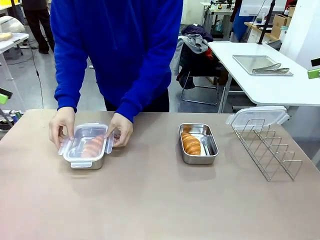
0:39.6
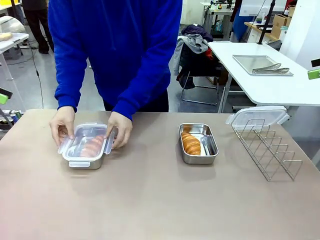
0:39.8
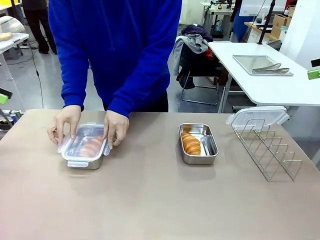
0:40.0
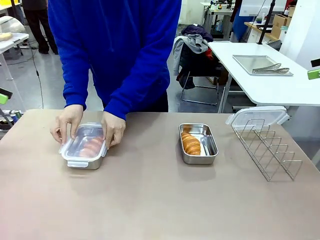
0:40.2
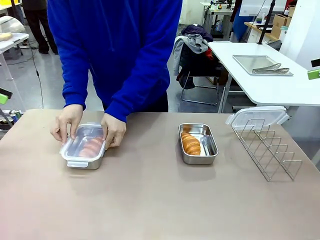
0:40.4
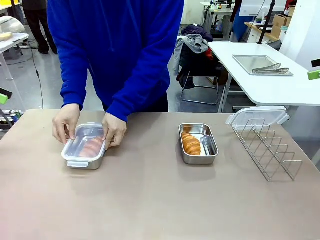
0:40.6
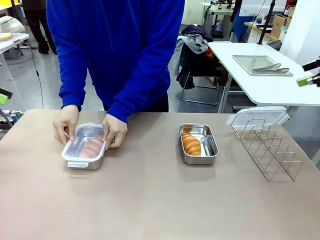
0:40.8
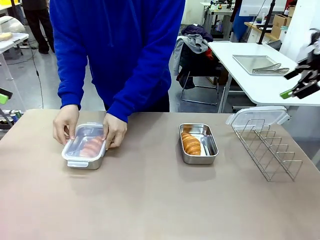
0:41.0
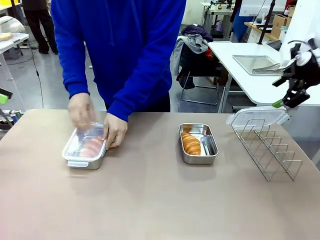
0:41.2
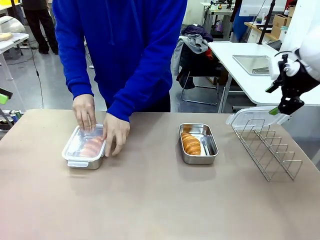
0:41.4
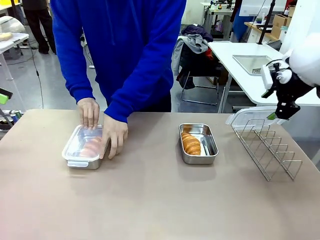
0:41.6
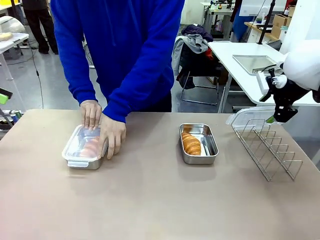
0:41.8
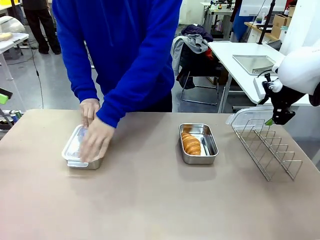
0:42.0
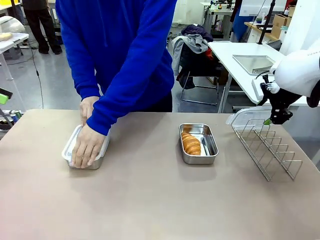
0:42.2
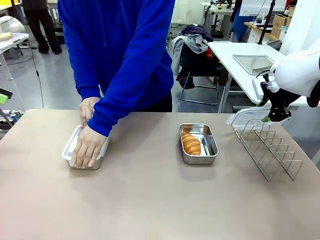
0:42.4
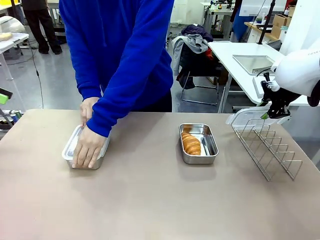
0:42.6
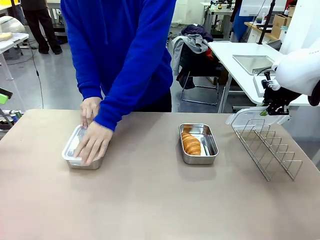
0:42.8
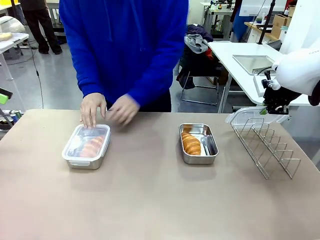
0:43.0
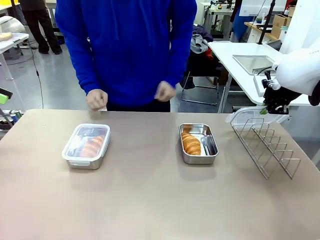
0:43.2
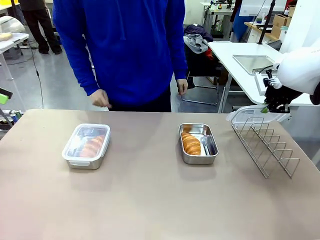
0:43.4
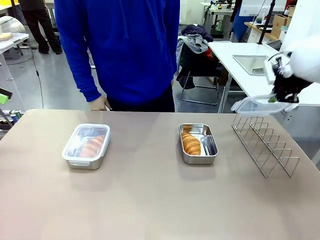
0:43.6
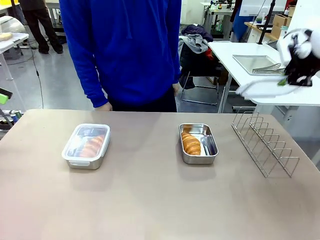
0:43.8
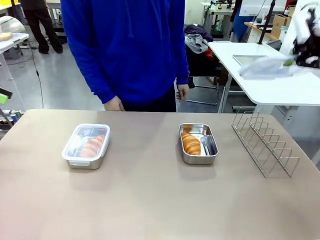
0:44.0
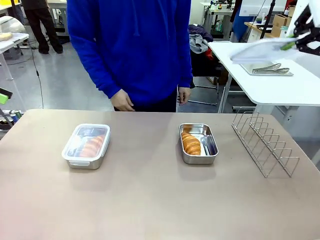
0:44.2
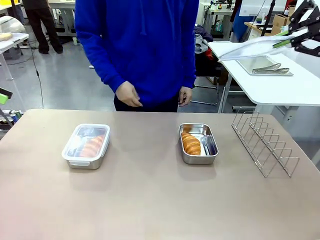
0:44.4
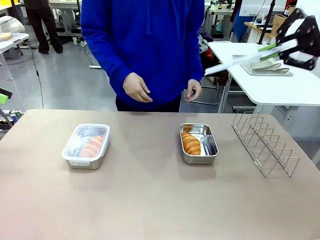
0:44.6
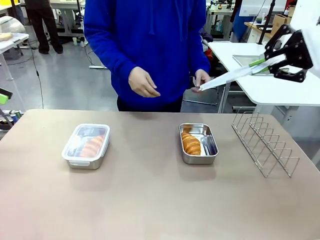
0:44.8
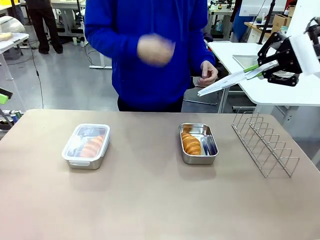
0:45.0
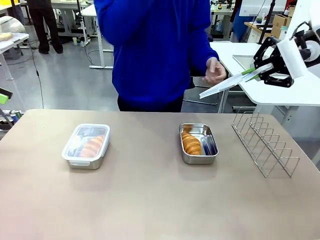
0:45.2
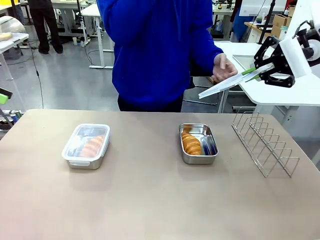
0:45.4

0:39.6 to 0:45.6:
Task: Place the bread in airtight containers.
Robot: Pick up one Airtight Container lid and hand it to the human.
Person: Close Airtight Container with a handed Airtight Container lid. Grip Airtight Container lid that robot is handing.

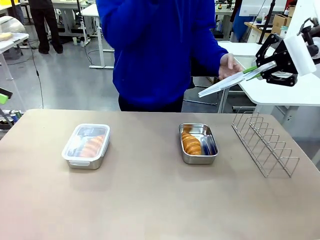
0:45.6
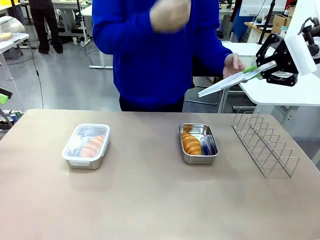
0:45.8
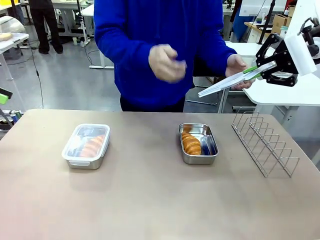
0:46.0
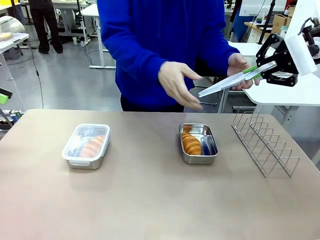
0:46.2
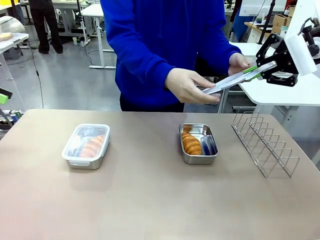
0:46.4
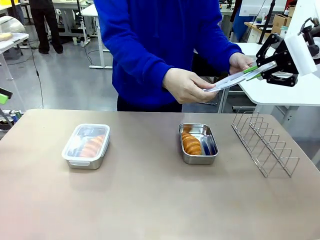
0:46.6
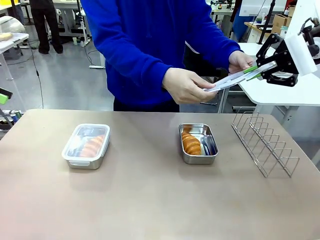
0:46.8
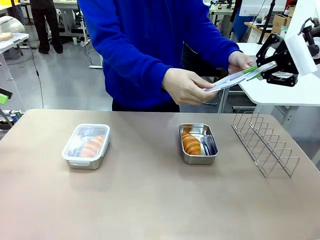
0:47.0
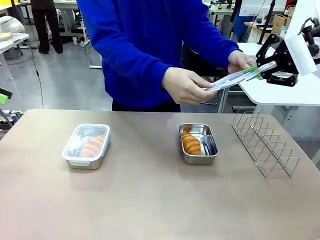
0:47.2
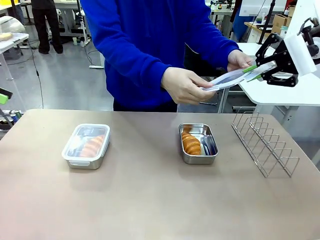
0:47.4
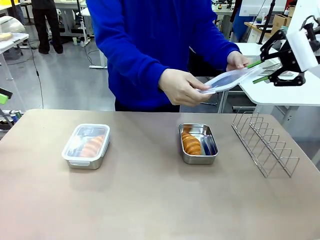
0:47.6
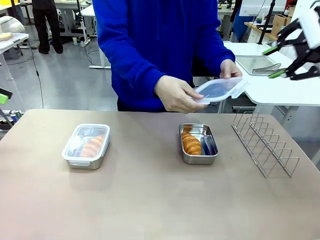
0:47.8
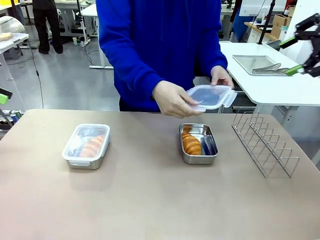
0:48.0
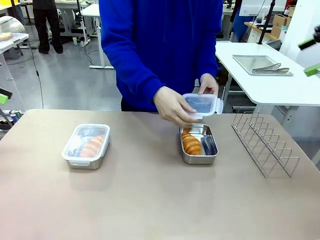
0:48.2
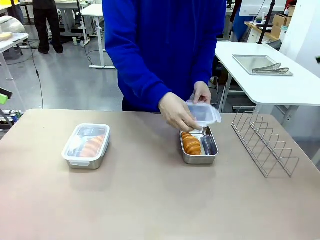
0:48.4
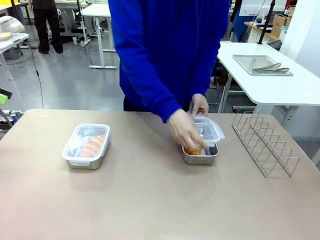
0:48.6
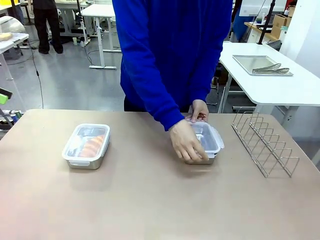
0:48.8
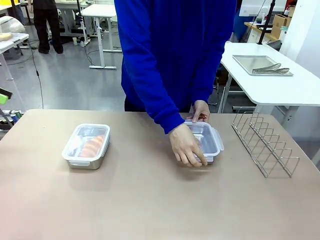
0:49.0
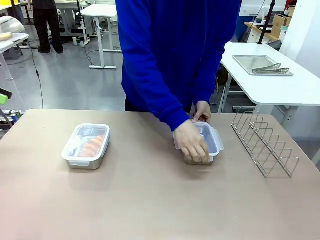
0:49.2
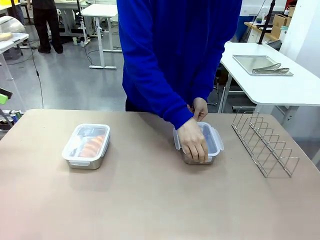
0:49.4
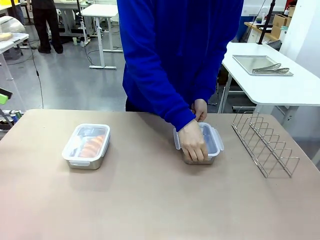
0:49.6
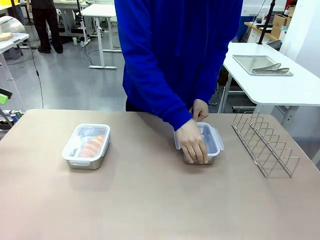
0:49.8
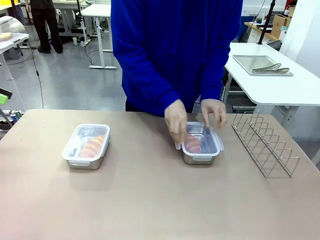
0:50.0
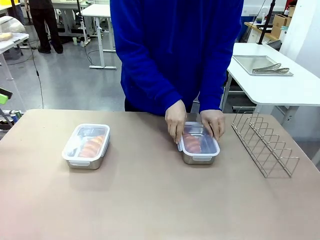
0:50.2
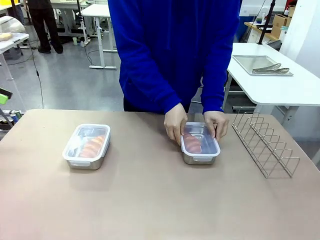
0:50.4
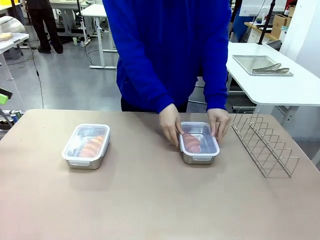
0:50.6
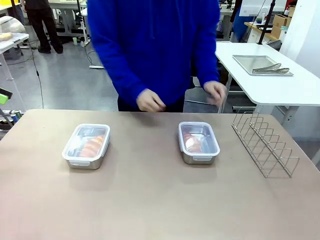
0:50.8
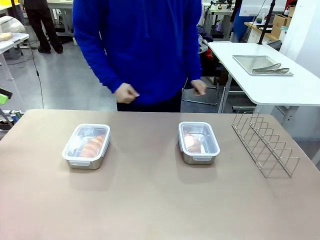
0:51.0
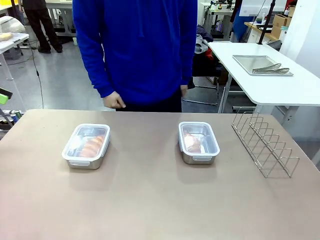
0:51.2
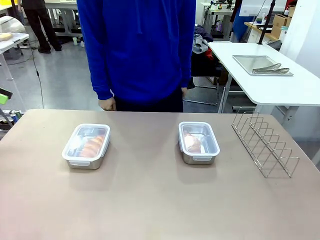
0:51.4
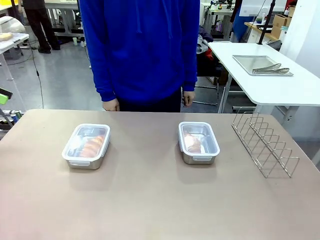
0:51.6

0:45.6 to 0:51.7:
Robot: Release when the human grabs the Airtight Container lid.
Person: Close Airtight Container with a handed Airtight Container lid.

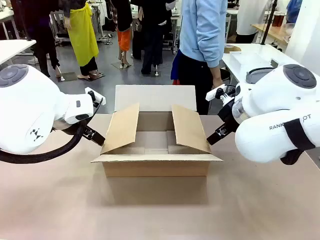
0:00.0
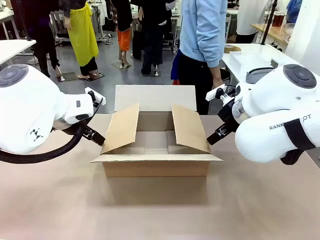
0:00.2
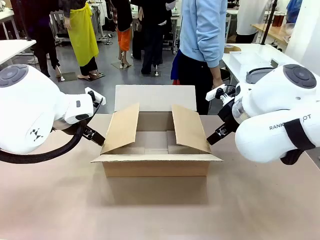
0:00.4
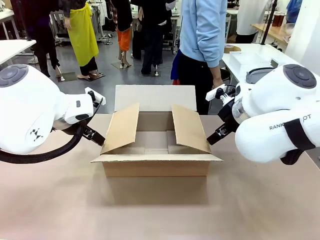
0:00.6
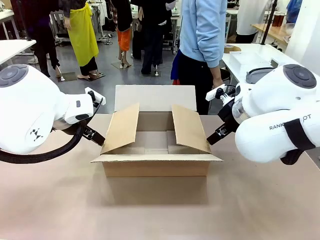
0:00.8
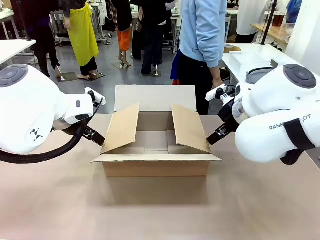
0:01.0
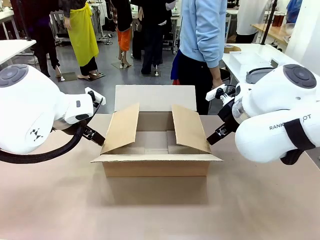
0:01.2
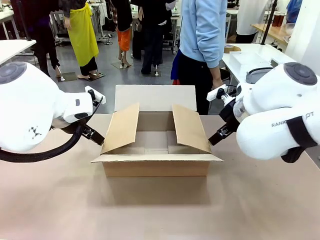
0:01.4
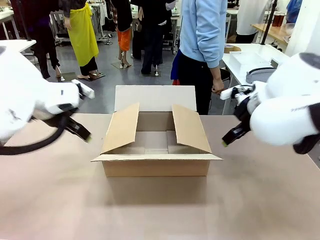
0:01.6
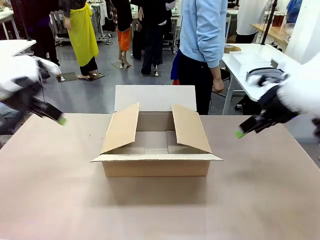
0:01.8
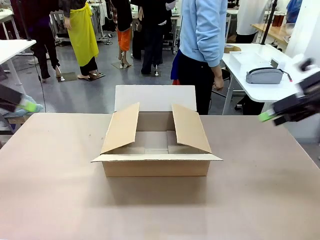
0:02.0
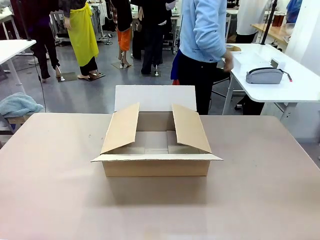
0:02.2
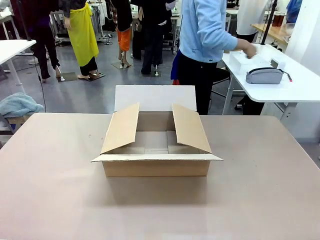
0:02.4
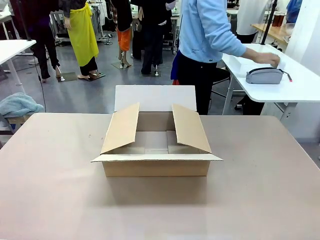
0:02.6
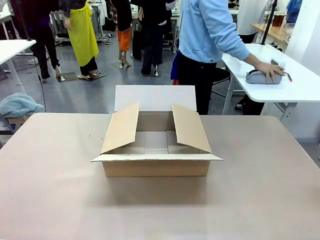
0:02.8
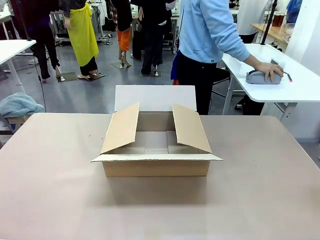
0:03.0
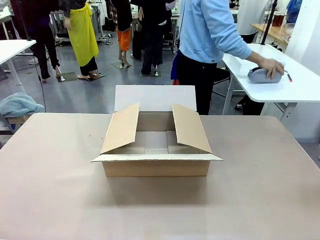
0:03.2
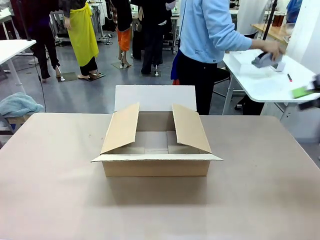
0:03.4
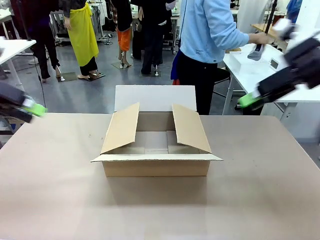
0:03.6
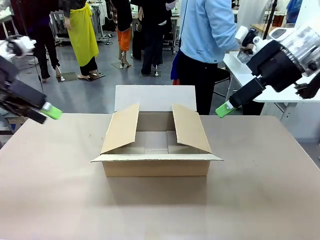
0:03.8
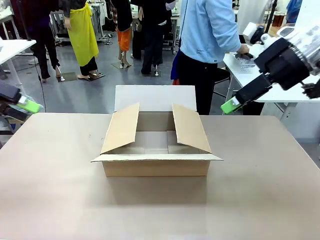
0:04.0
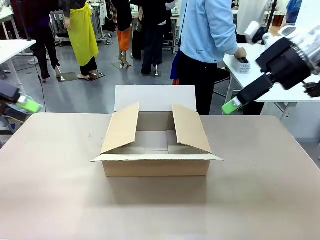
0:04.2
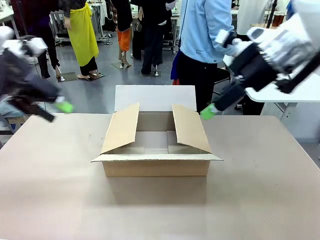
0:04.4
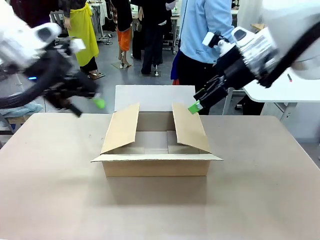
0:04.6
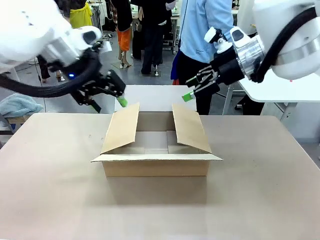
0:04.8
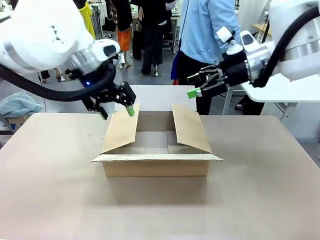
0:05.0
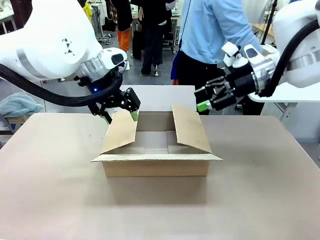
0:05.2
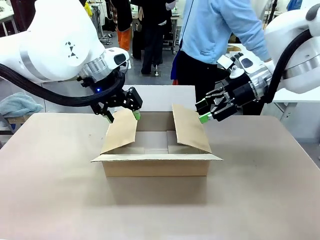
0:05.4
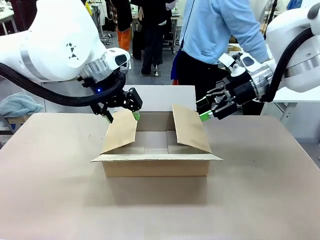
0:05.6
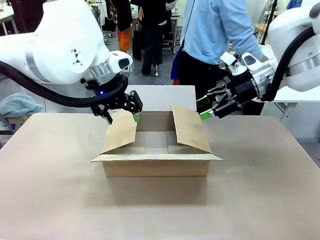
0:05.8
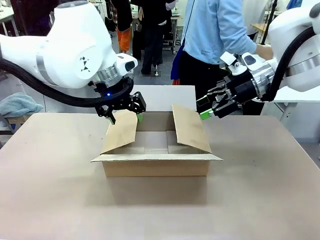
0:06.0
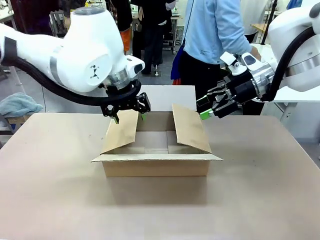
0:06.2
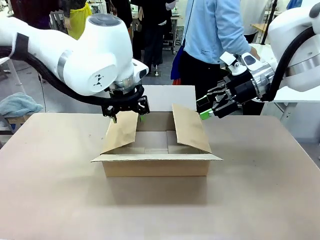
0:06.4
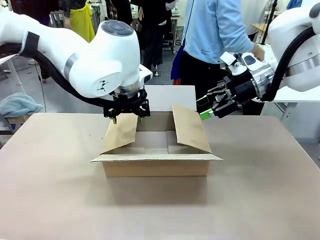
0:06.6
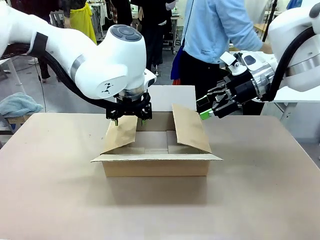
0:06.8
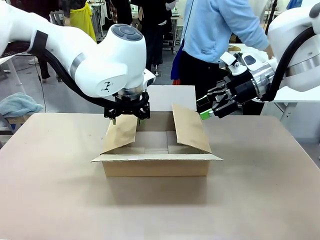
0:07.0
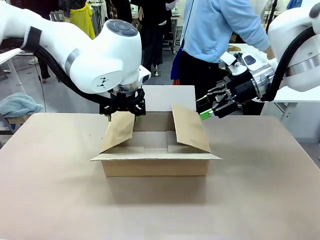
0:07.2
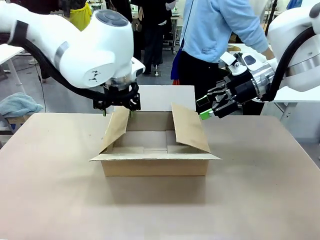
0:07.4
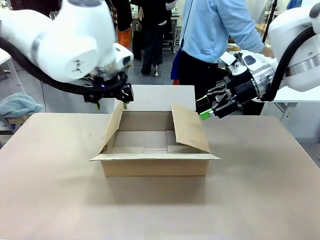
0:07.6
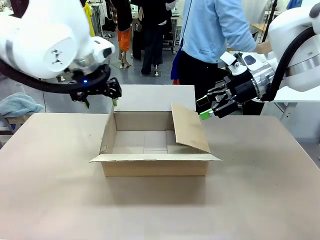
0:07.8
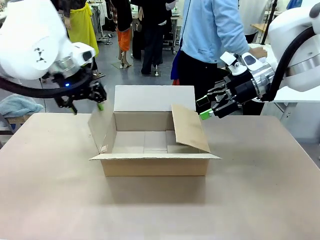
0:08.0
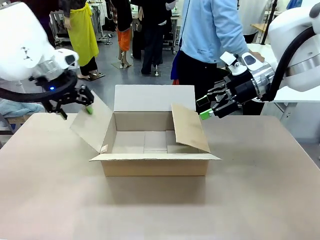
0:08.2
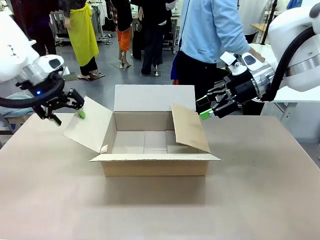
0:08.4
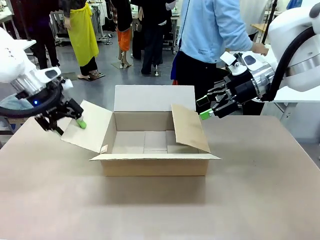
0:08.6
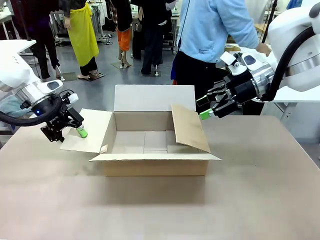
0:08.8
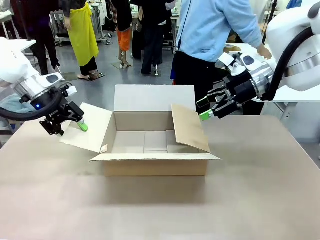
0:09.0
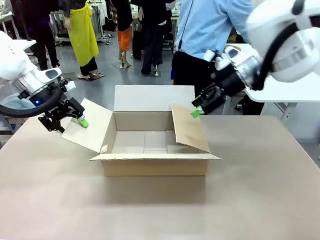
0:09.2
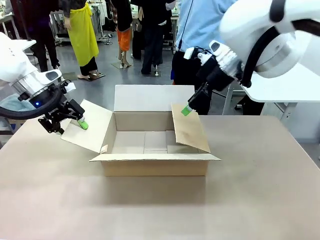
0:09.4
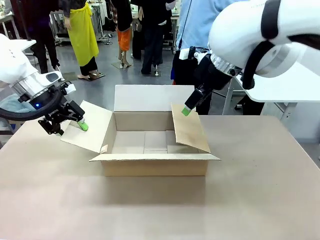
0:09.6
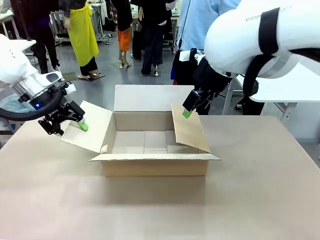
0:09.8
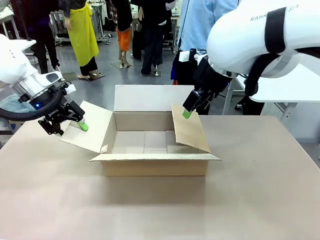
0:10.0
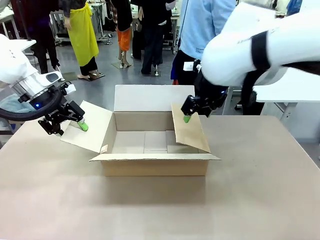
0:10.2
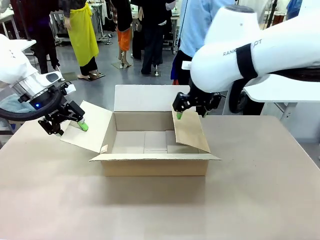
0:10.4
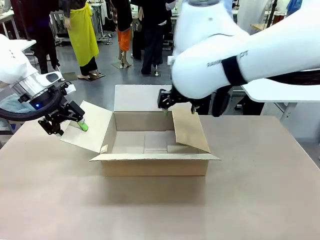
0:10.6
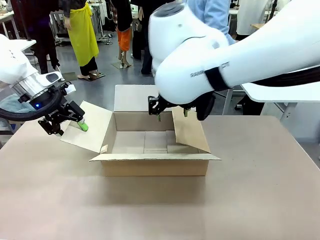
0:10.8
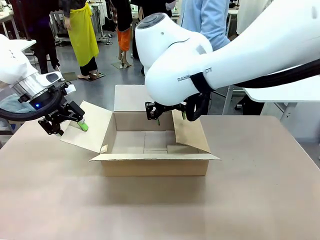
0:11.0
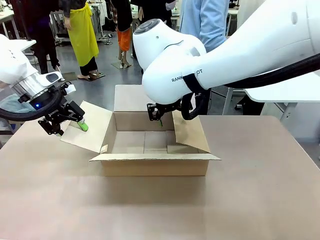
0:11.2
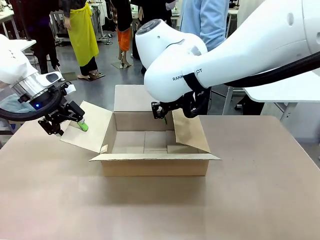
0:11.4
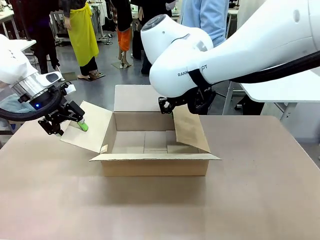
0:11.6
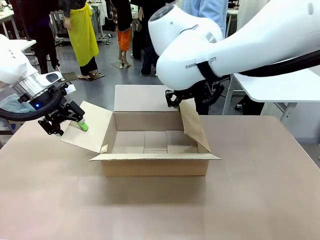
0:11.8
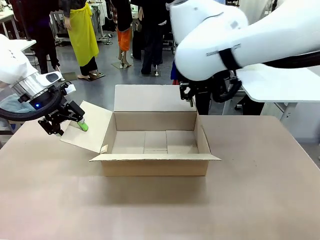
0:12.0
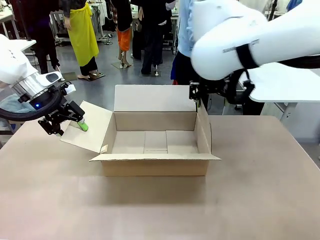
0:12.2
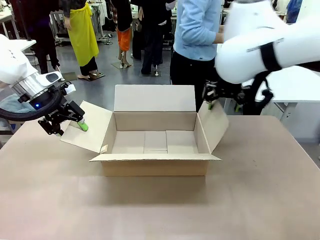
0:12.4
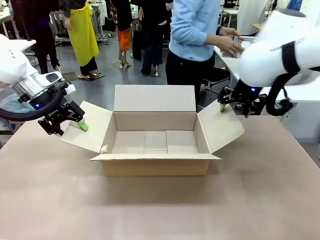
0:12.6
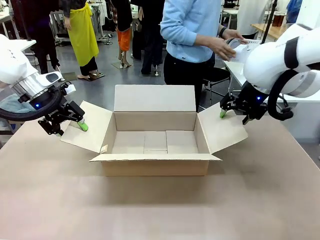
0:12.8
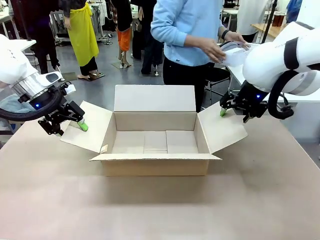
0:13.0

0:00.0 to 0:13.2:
Task: Pack the gift set into the box.
Robot: Place both hands on the side flaps of the Package Box and spread them outward.
Person: The human places all items except the paper tape into the organizing basket.
